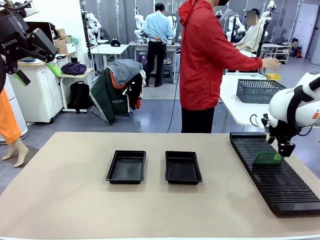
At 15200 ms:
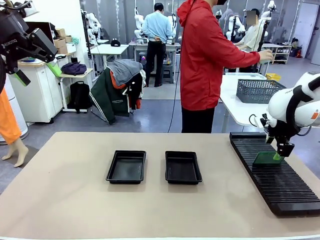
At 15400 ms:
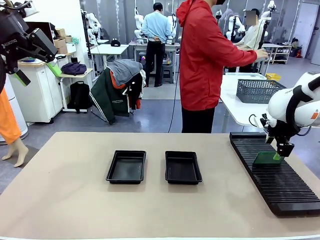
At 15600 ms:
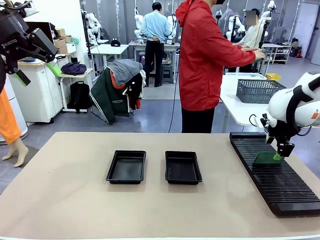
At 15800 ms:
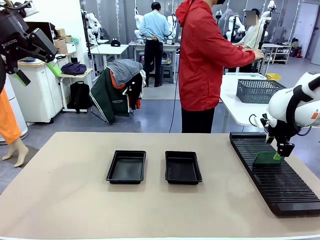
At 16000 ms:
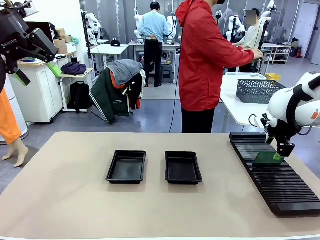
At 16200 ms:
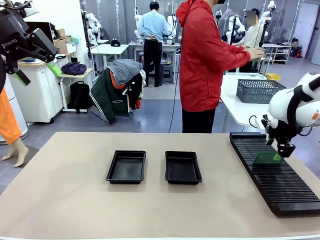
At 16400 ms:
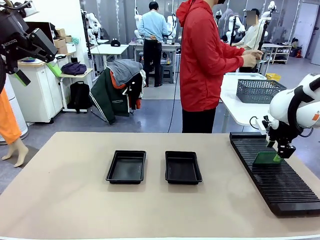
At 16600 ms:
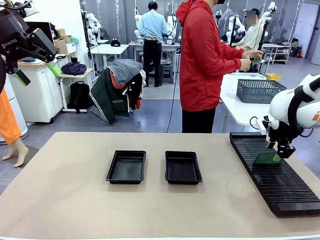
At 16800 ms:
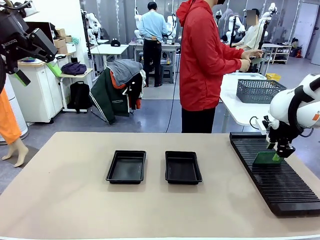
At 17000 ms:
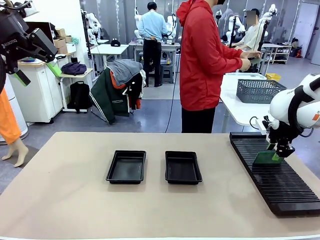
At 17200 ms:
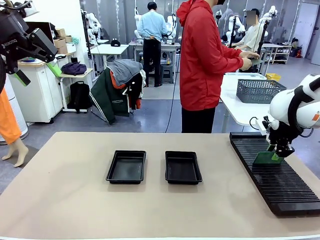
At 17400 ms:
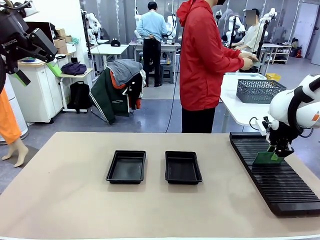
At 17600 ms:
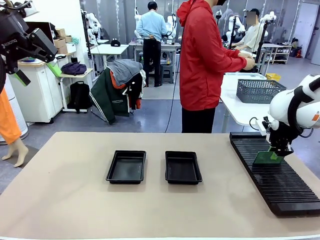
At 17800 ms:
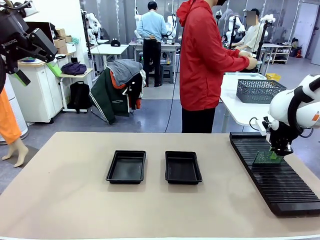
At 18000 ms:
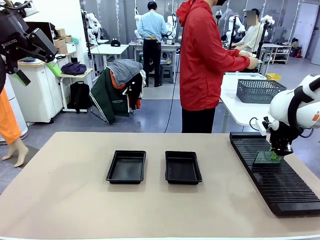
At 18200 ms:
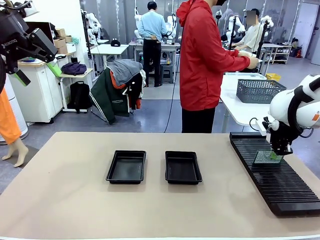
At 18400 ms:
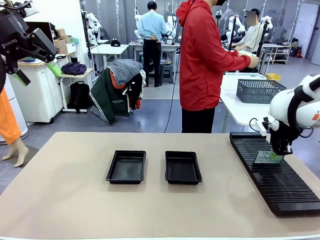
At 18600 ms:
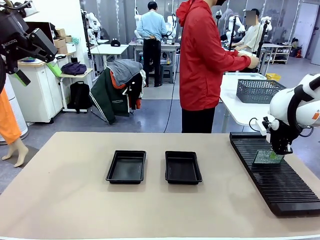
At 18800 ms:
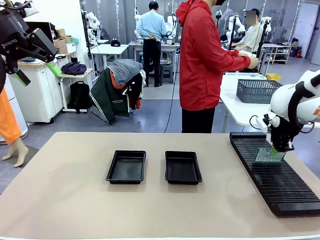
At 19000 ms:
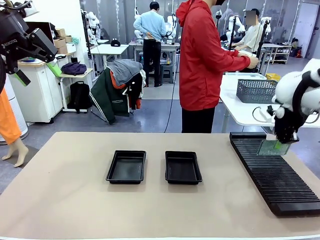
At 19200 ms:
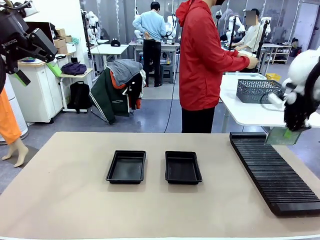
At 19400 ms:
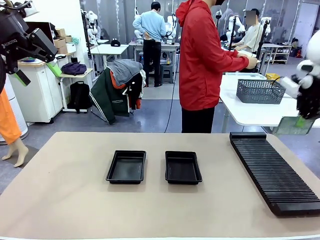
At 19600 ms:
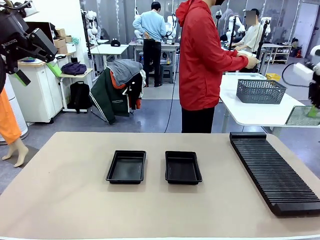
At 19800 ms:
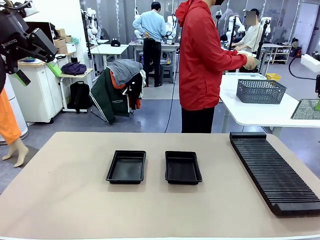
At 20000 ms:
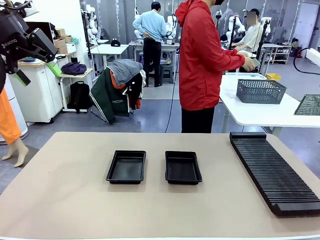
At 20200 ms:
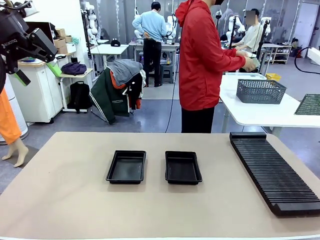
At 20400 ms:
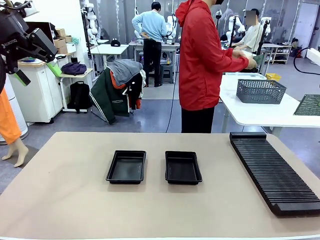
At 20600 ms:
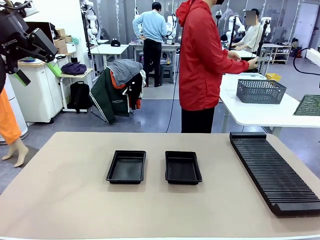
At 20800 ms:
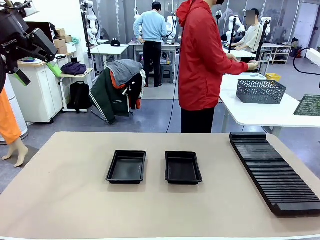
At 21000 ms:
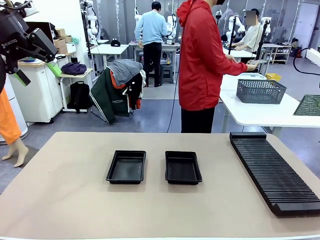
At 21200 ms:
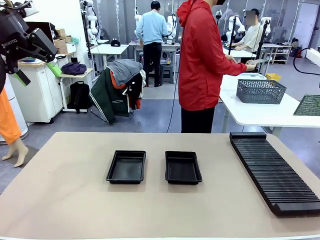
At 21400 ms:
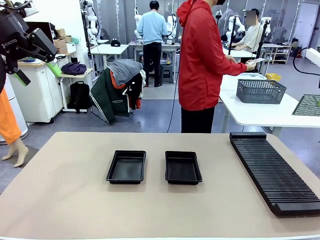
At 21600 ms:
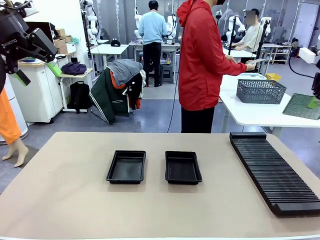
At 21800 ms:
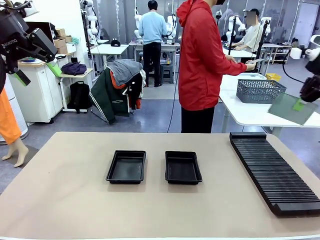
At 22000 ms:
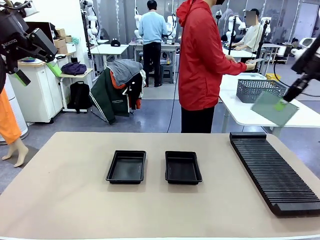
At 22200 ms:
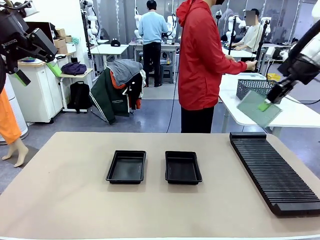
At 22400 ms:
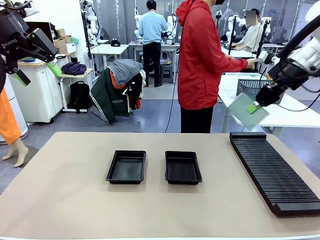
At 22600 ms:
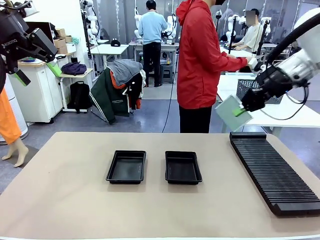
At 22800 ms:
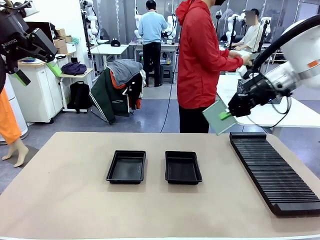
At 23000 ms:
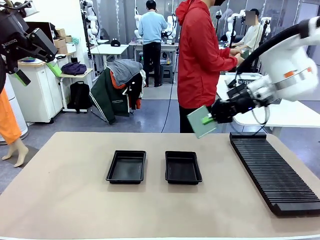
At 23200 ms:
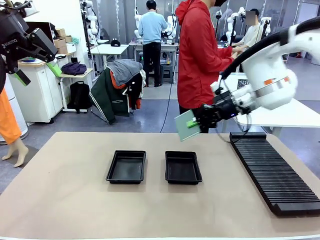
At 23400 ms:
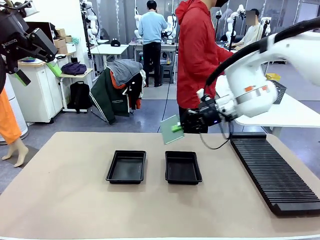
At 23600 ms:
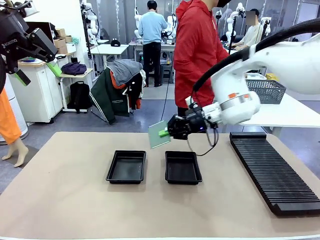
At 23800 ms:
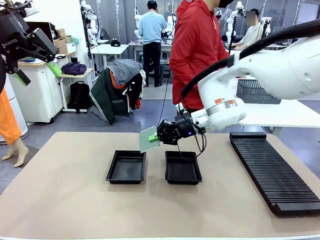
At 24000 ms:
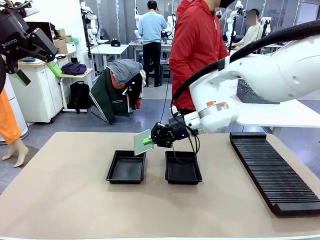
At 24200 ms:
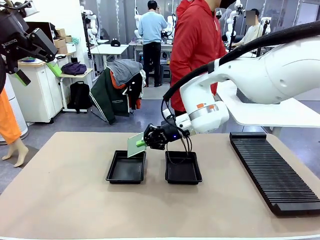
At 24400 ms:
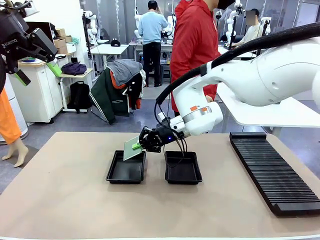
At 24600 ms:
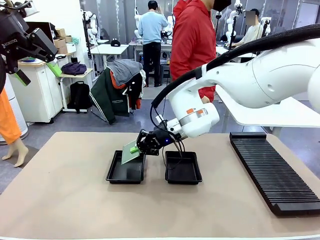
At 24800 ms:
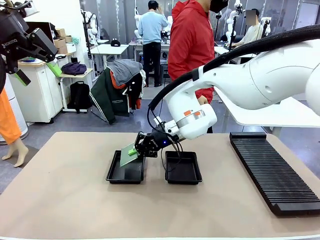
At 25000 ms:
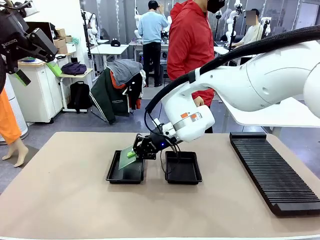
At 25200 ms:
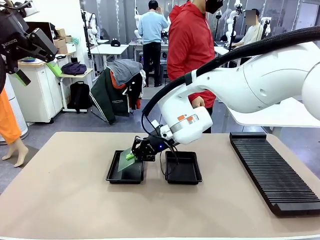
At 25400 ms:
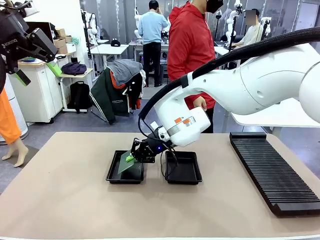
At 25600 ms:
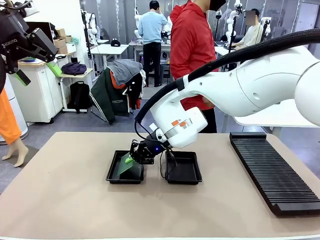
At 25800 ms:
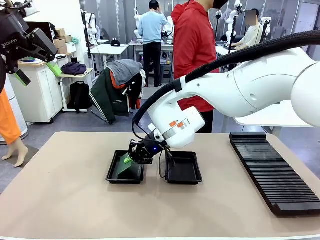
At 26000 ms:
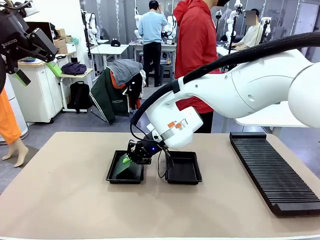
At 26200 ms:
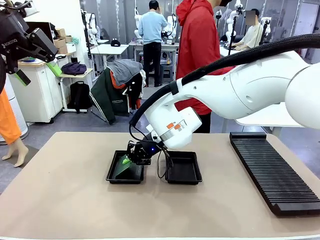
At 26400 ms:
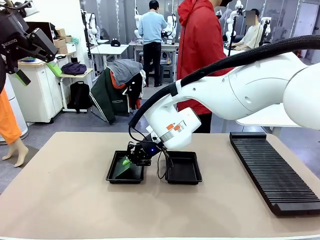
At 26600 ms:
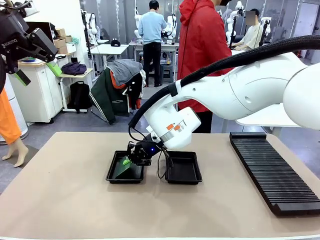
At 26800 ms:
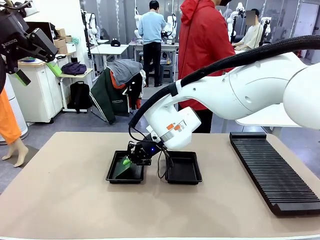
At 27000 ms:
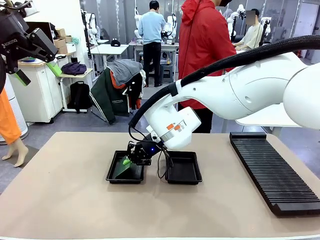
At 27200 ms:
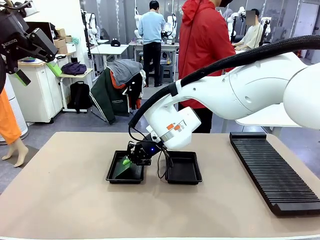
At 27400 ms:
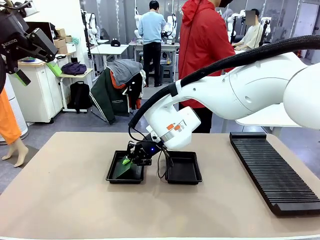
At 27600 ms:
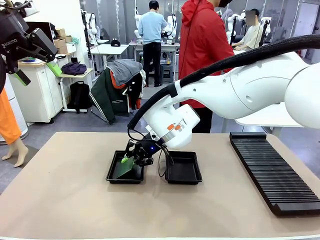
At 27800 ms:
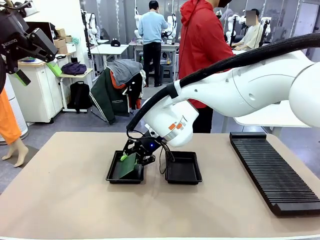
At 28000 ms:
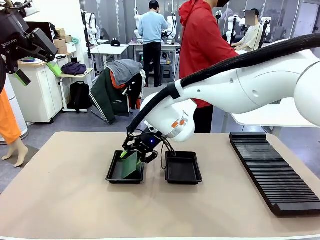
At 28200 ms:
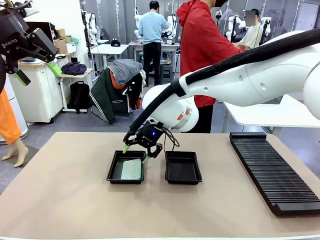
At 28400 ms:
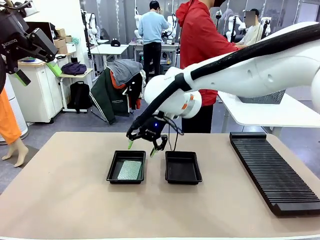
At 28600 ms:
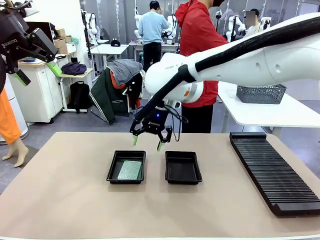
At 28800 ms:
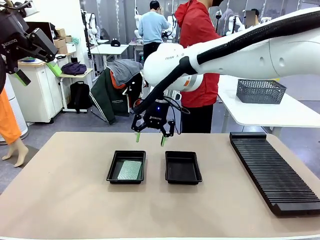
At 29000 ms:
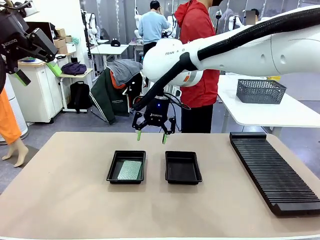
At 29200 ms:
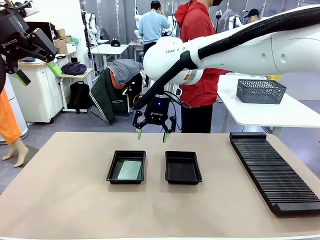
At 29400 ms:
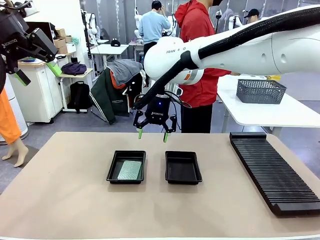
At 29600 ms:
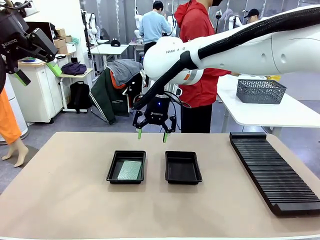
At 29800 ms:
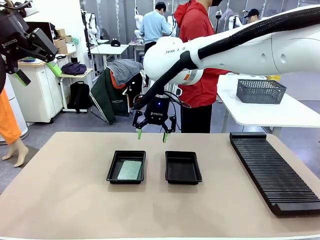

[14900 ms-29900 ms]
Task: Inspect and transfer BCBs to ESD trays.
Robot: Pick up the Blank PCB from the PCB Rack and place it in the left ESD tray.

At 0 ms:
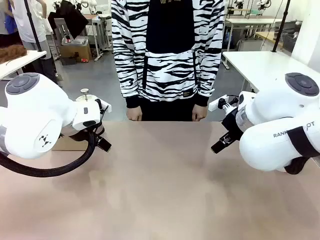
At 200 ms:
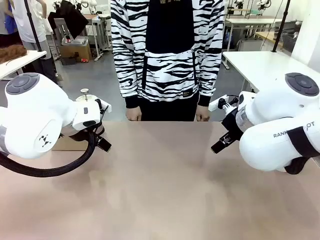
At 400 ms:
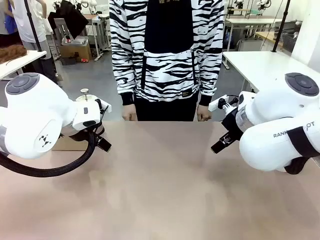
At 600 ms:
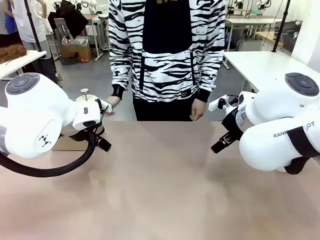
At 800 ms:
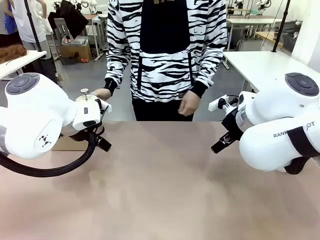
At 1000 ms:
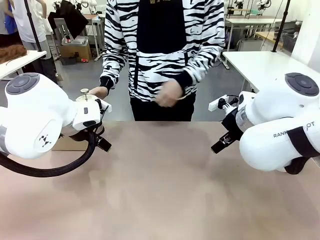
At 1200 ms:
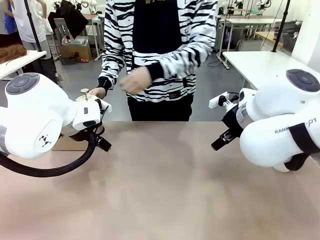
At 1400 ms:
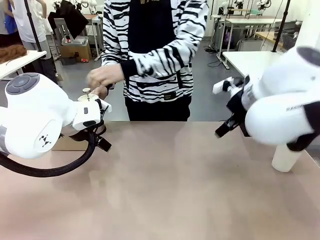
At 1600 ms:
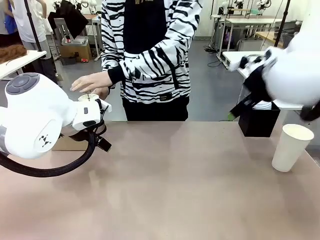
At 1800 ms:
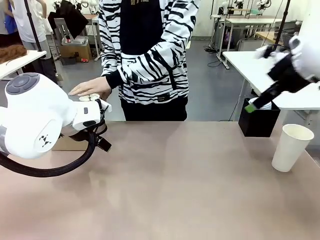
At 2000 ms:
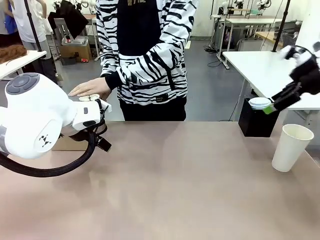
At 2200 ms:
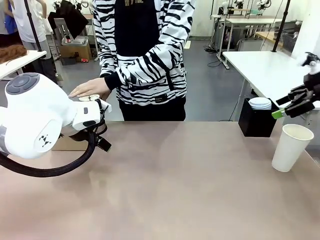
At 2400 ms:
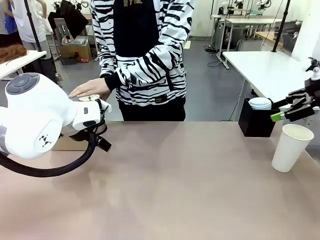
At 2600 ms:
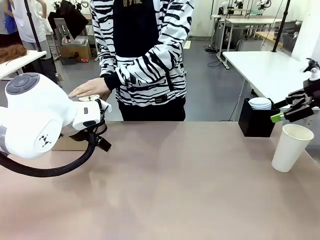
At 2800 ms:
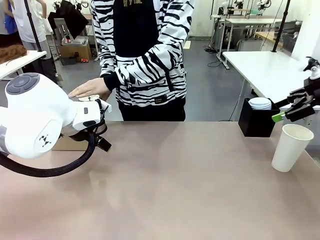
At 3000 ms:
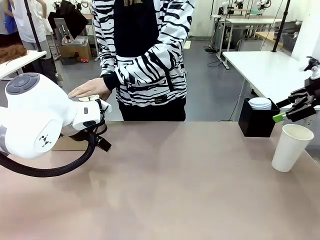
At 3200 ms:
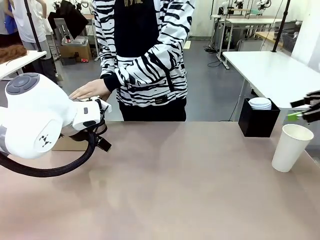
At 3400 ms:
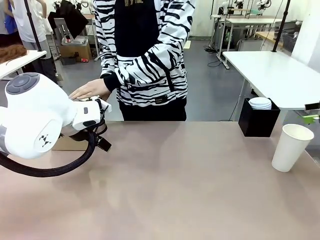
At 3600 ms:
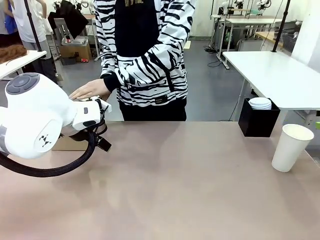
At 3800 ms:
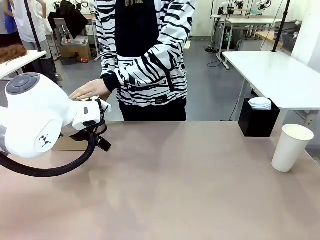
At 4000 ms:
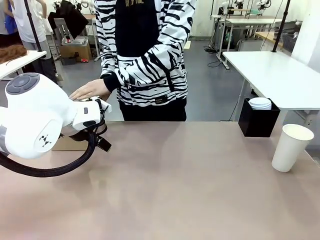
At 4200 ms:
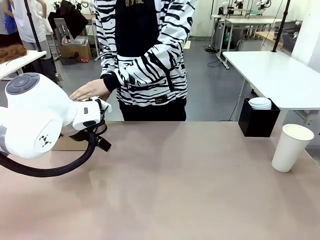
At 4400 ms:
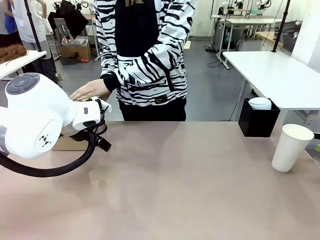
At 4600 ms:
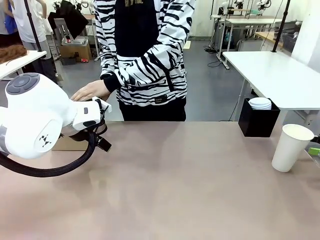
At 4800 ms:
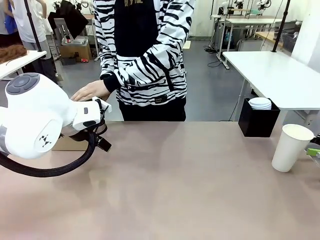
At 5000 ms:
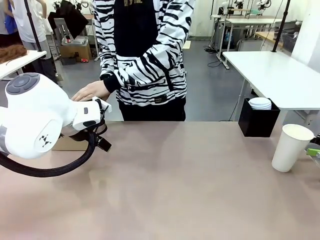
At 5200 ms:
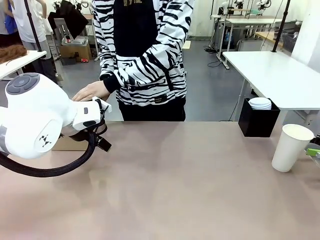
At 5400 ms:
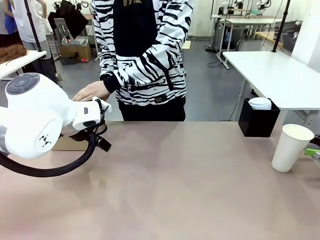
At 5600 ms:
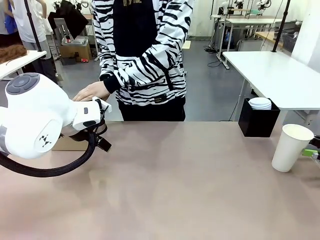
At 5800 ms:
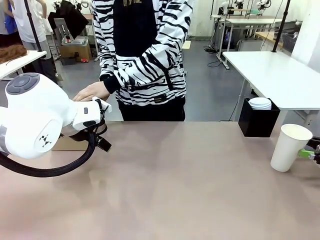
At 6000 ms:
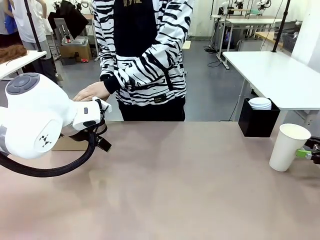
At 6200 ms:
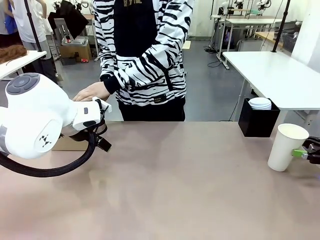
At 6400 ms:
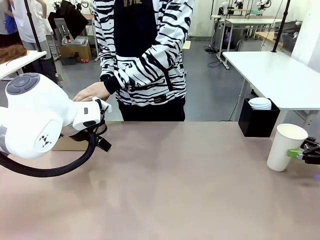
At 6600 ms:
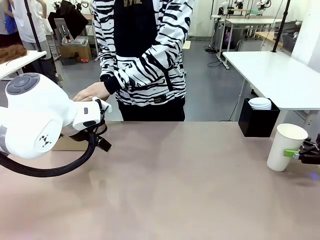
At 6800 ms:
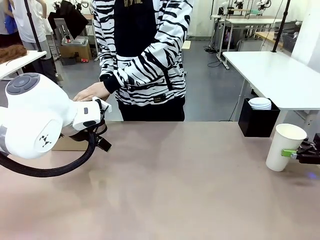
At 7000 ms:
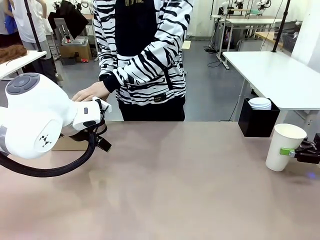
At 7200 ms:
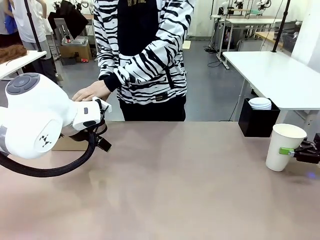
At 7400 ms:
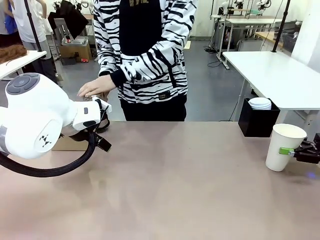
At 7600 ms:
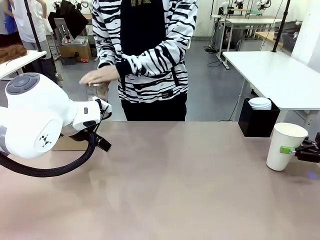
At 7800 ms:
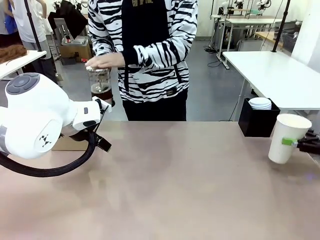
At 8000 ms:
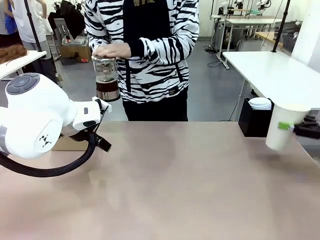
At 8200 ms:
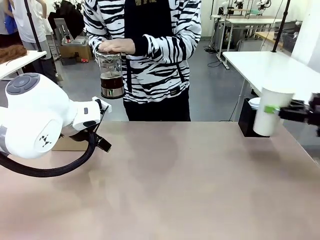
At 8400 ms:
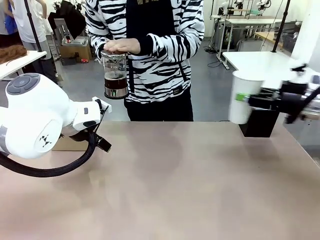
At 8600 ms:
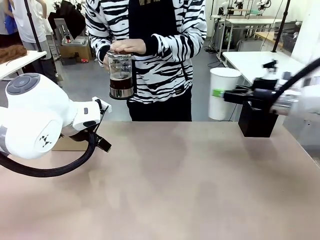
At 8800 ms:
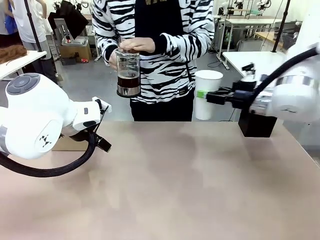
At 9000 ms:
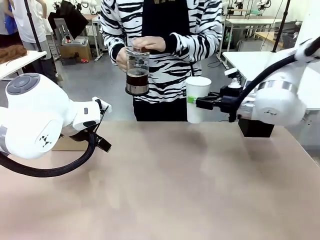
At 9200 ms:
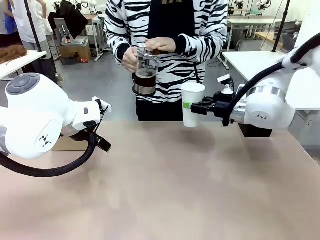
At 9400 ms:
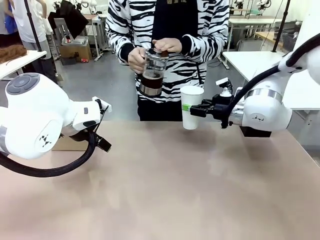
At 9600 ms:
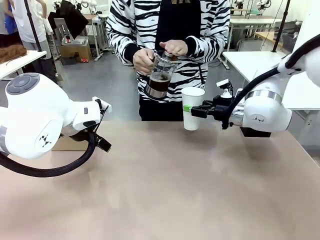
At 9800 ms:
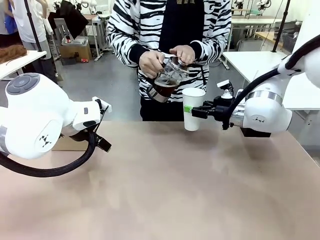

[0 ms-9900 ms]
Task: Pour a drink into a cup and package it in a carrier.
Robot: Pick up the 600 ml Paper Cup and place it in the middle top area of the table.
Person: Press and pick up the Filter Brewing.
